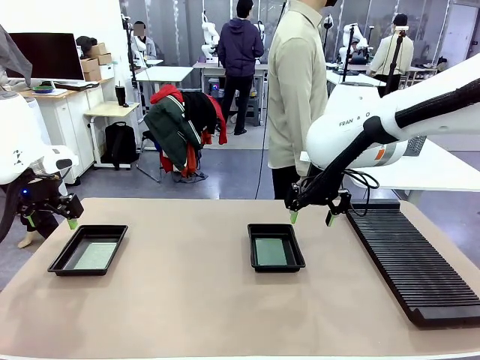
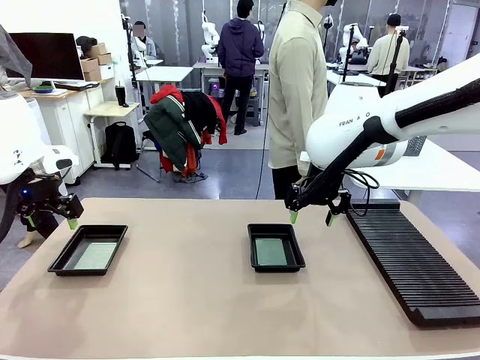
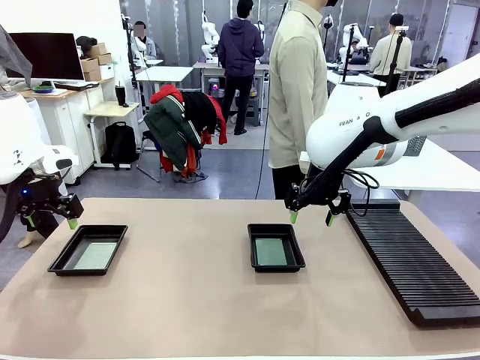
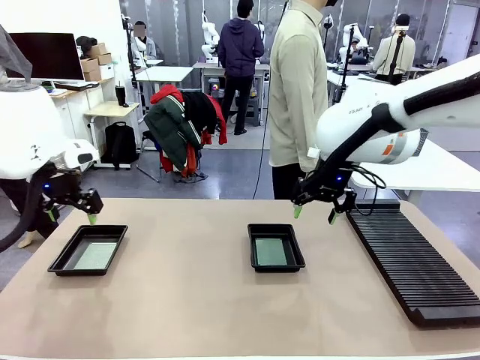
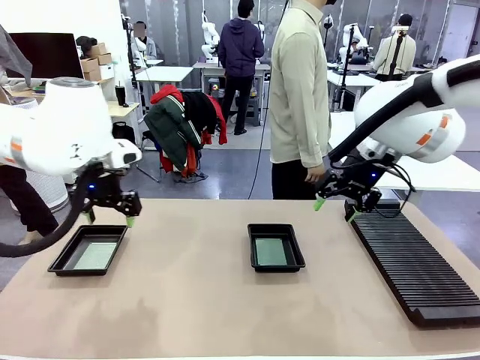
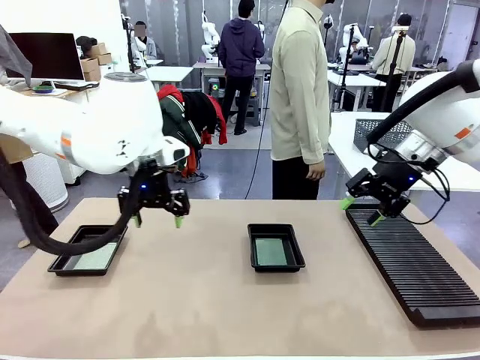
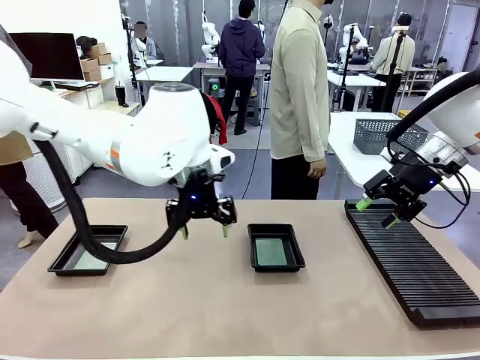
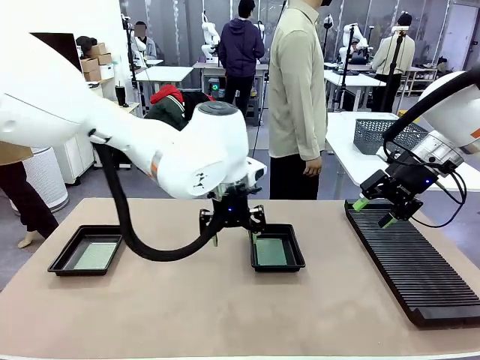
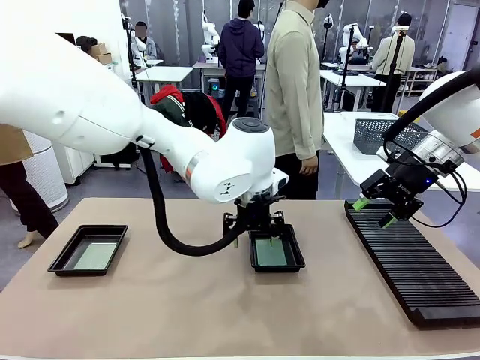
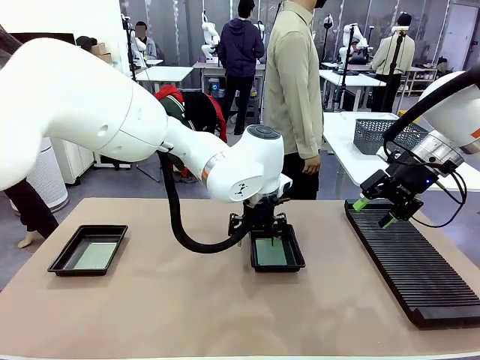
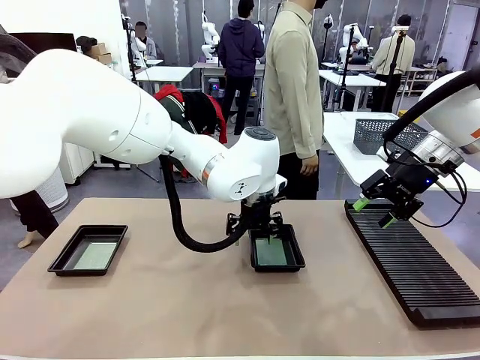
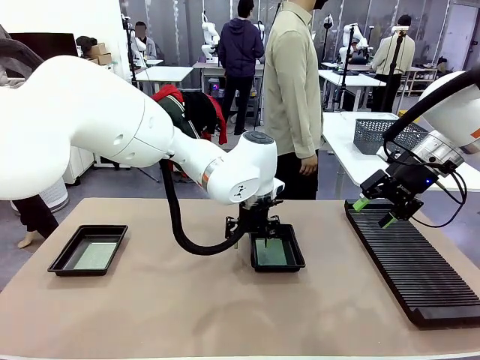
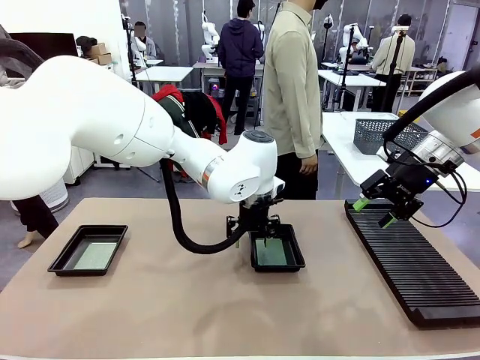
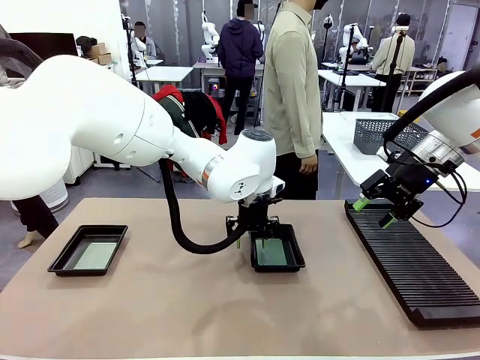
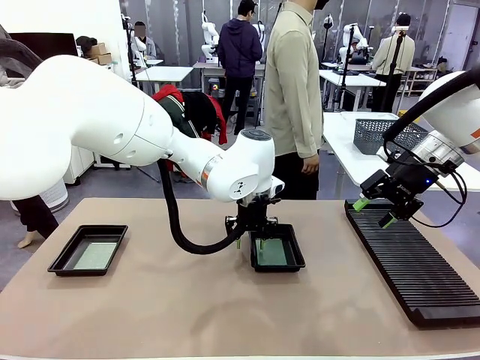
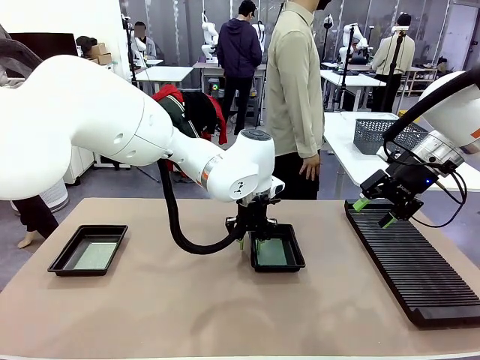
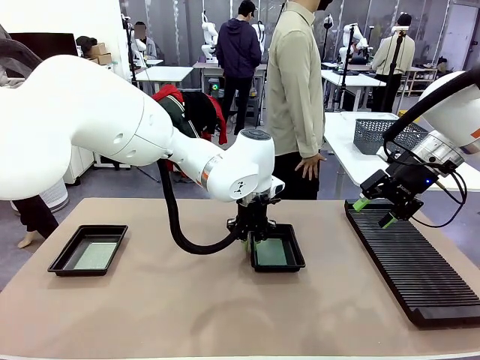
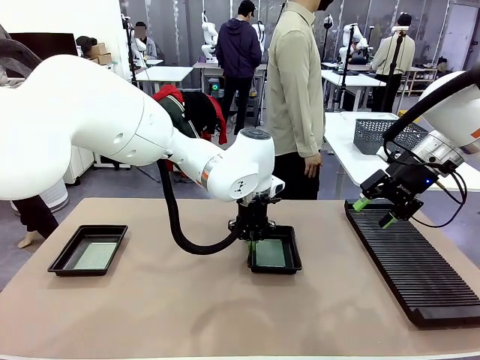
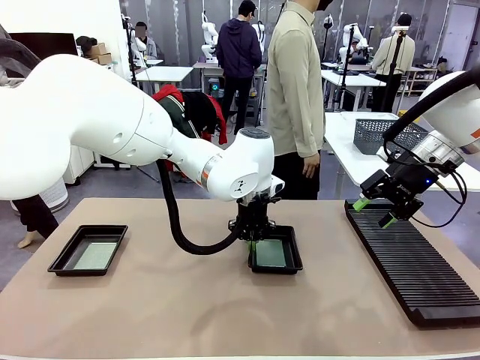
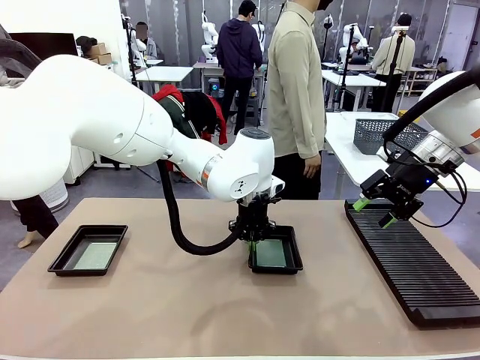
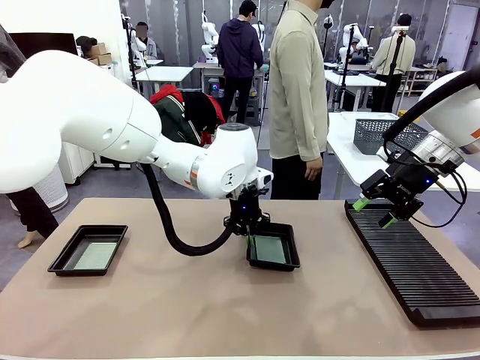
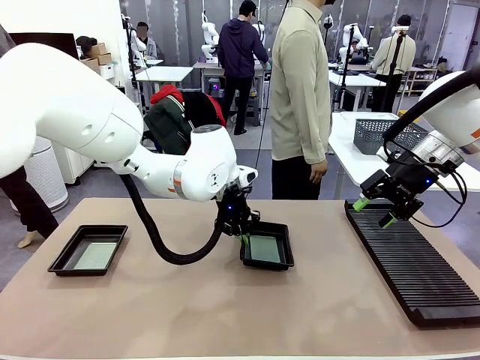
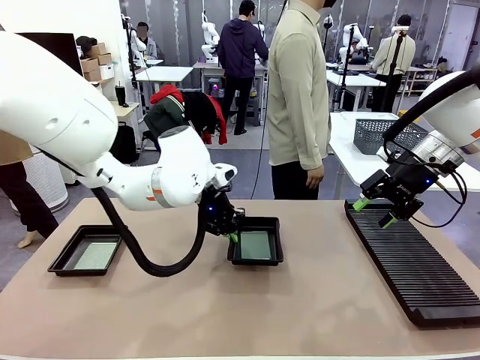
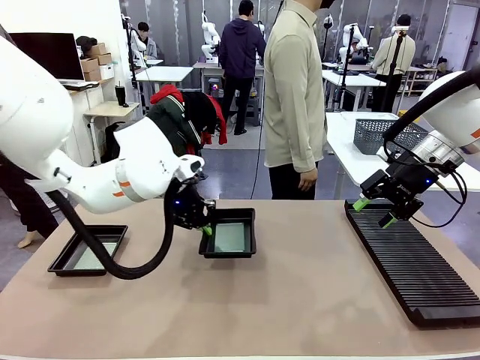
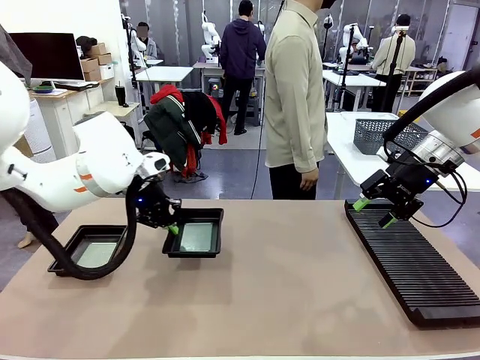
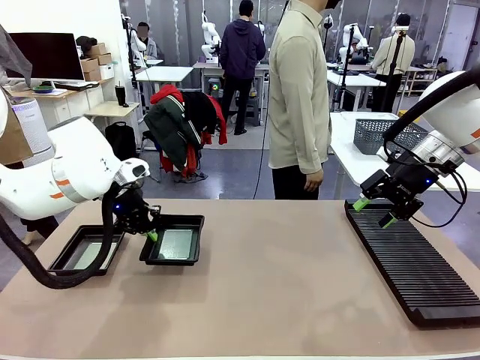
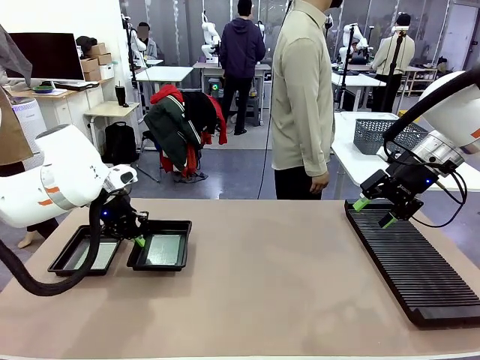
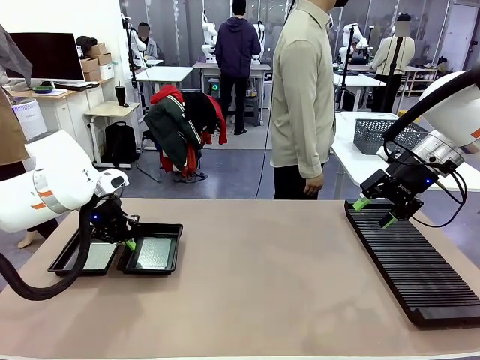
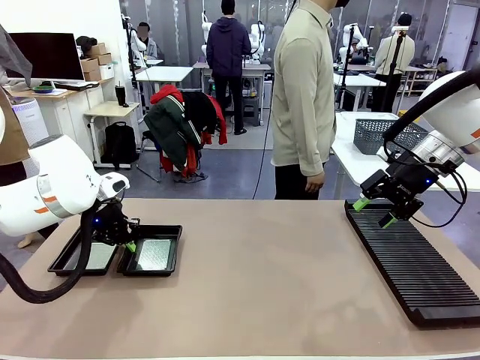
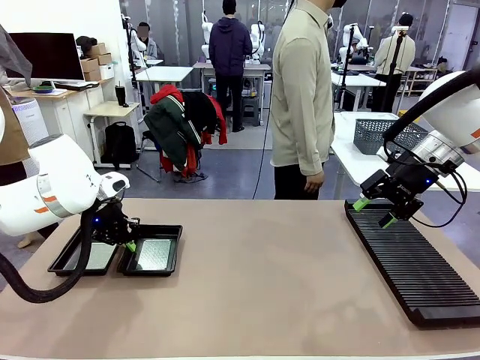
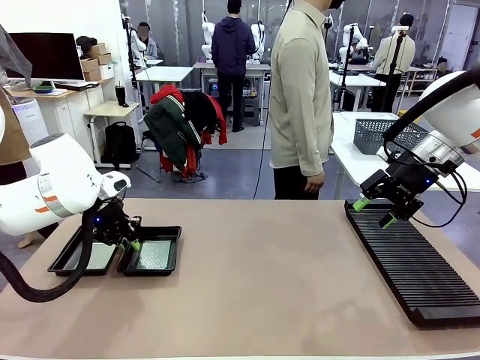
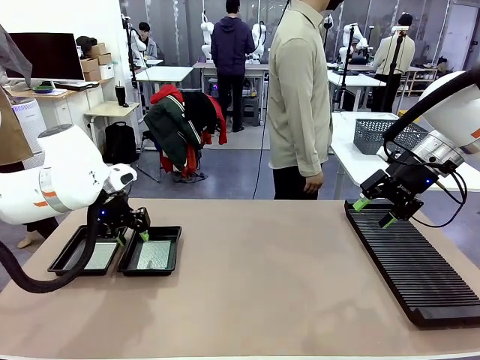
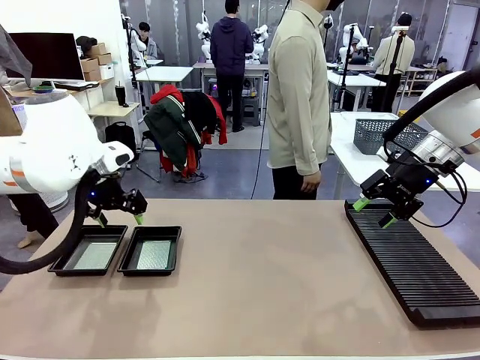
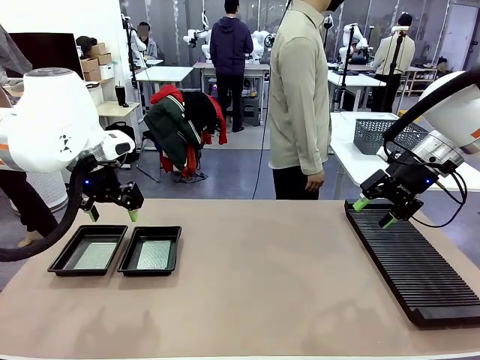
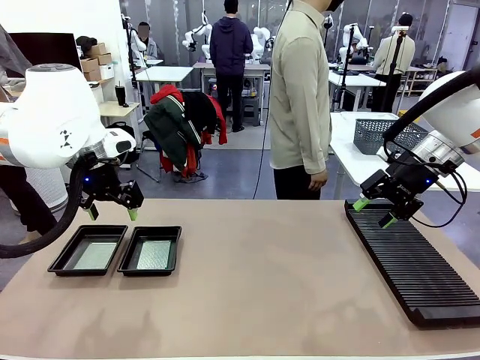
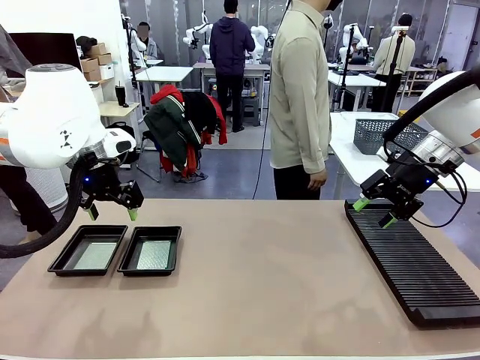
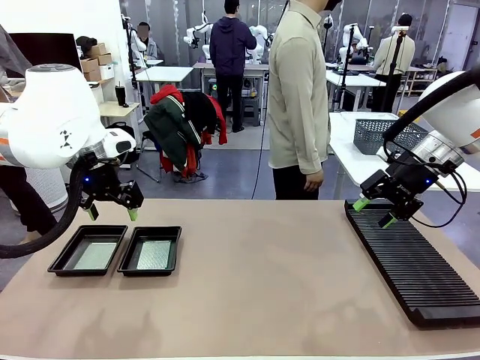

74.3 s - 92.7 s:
Task: Inspect and transfer BCBs to ESD trays.
Robot: Pick up the ESD tray and place it on the left side of the table.

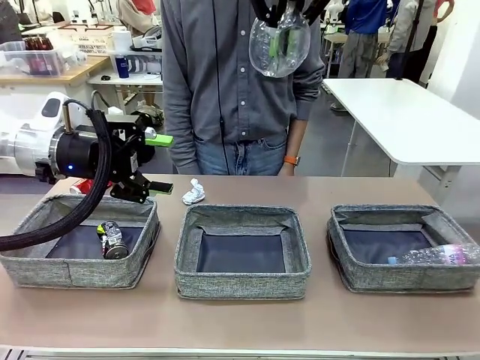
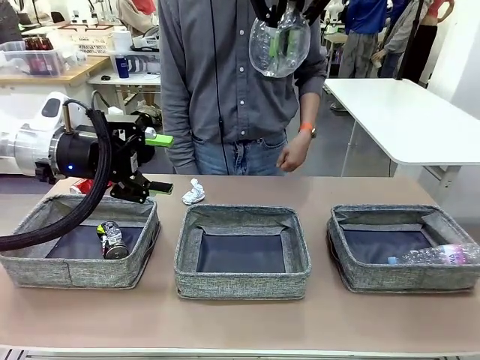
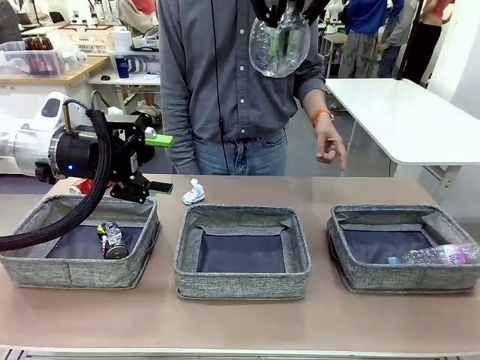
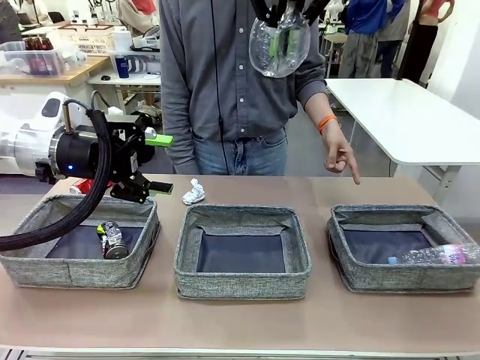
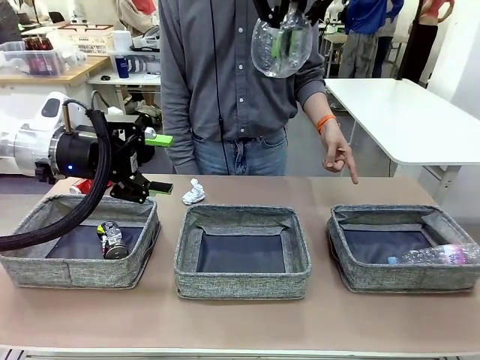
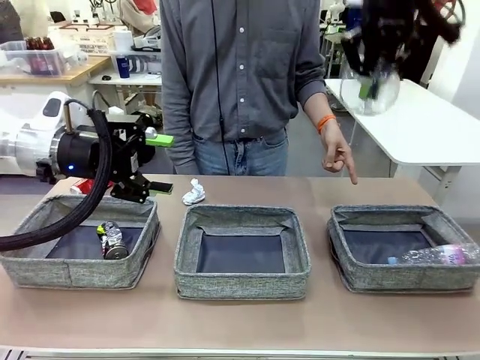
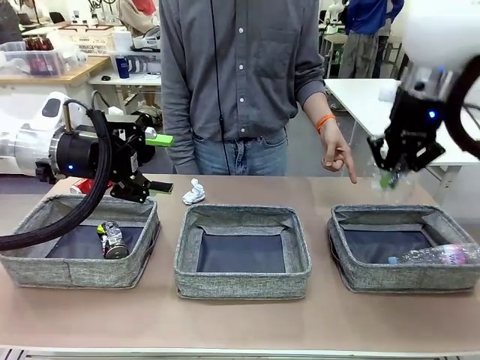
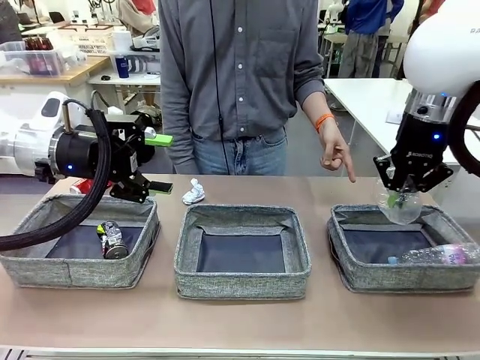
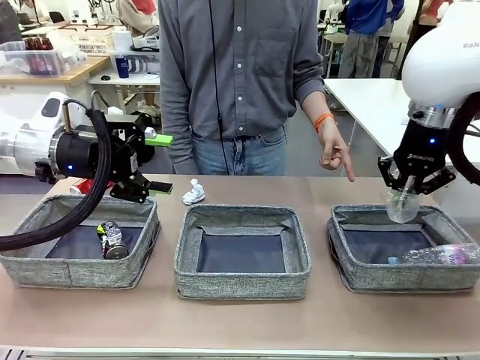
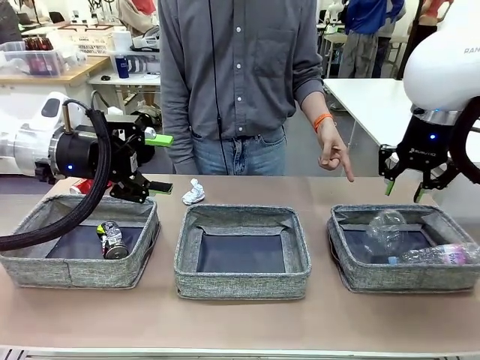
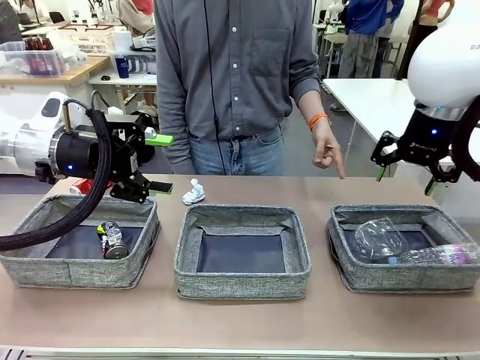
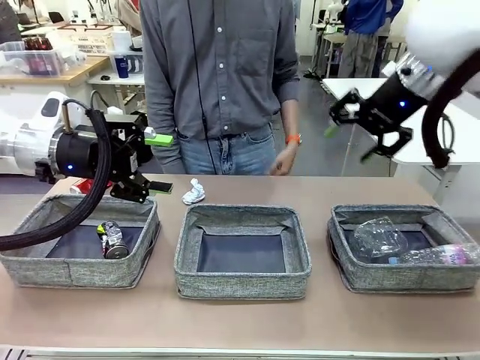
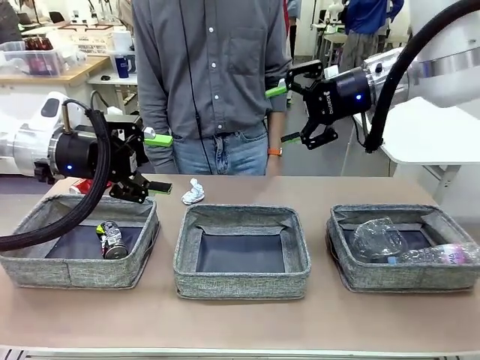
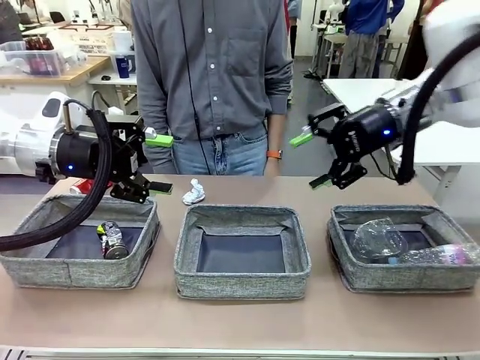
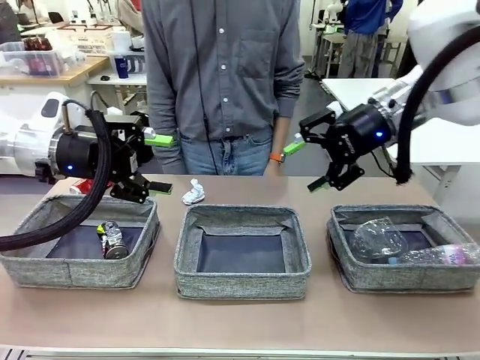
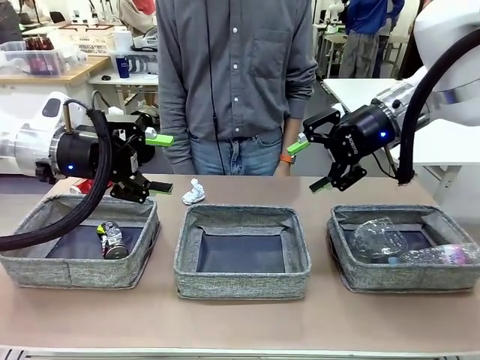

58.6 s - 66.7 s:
Task: Sort the waste into the appropriate baskets.
Robot: Place the picked waste into the Fabric basket indicated by the person.
Person: Instructs the robot to place the picked-up trash into the appropriate organizing basket.
